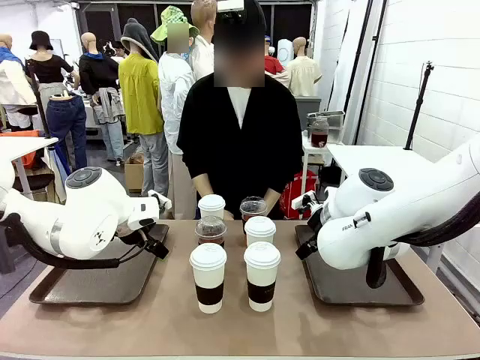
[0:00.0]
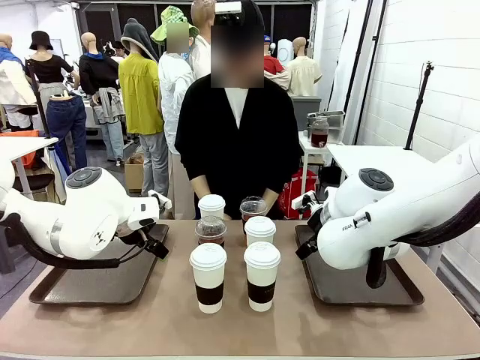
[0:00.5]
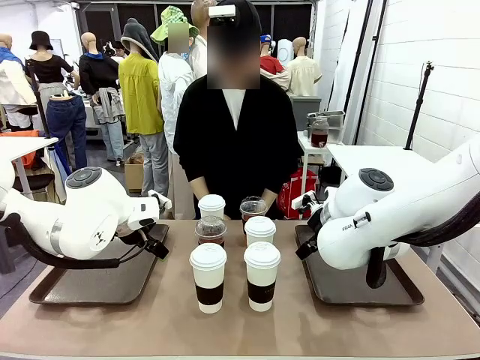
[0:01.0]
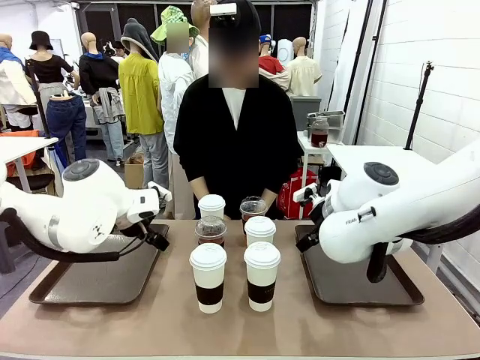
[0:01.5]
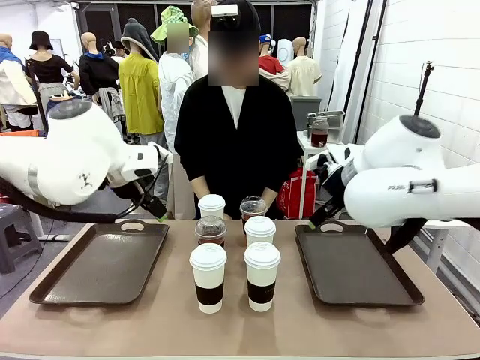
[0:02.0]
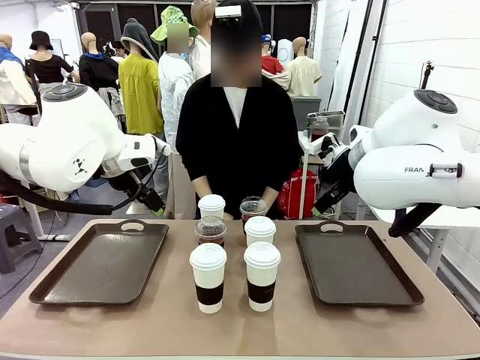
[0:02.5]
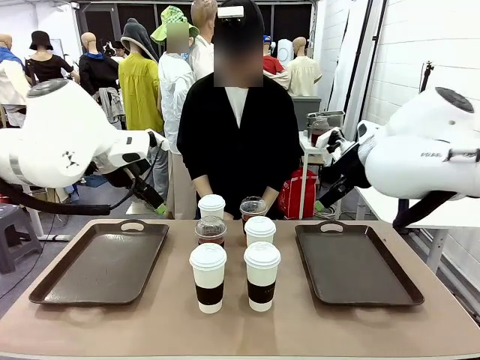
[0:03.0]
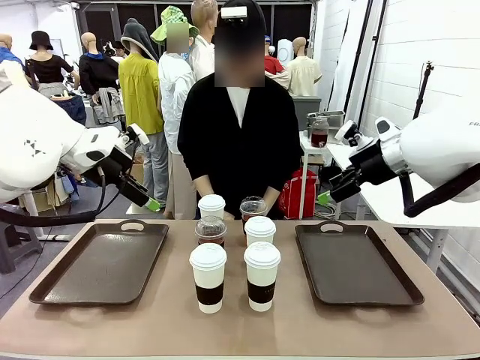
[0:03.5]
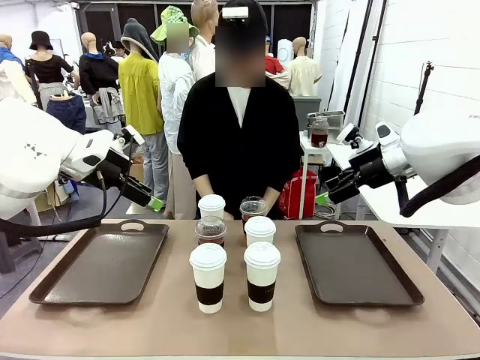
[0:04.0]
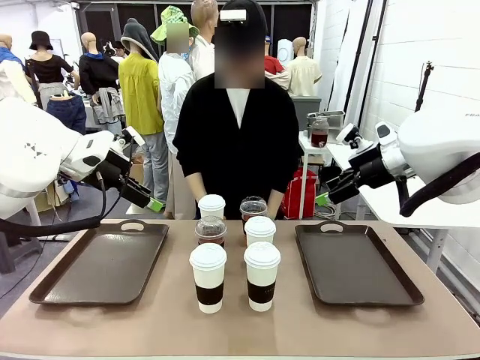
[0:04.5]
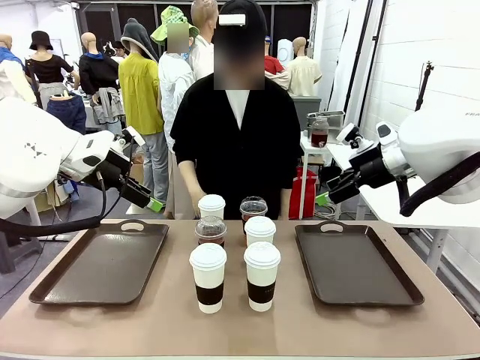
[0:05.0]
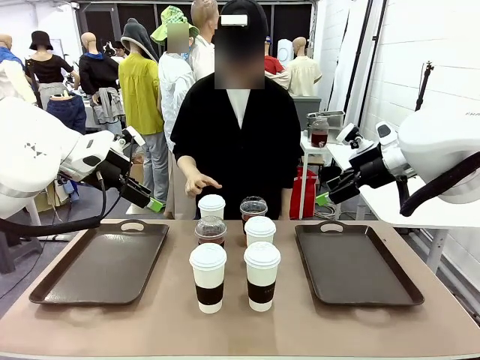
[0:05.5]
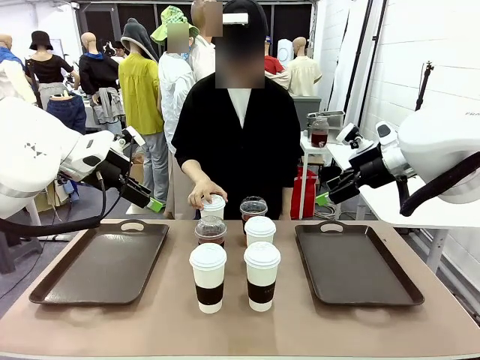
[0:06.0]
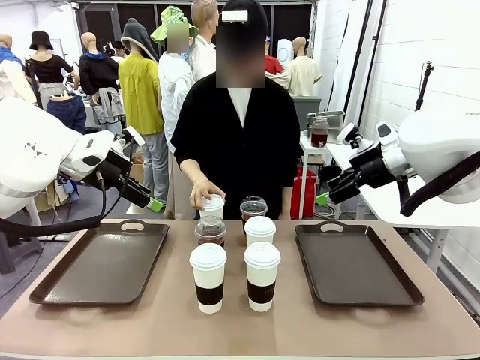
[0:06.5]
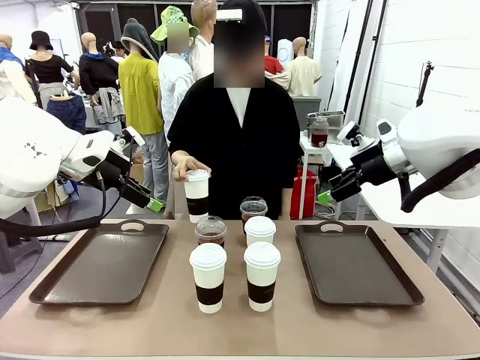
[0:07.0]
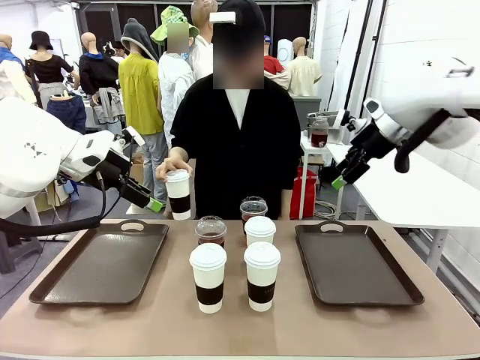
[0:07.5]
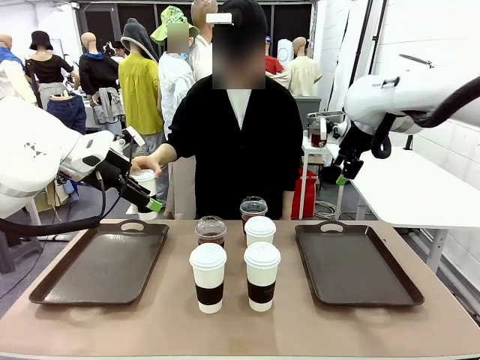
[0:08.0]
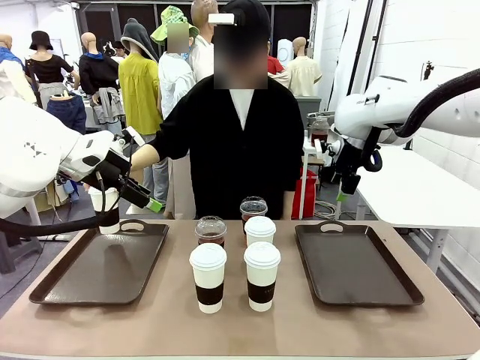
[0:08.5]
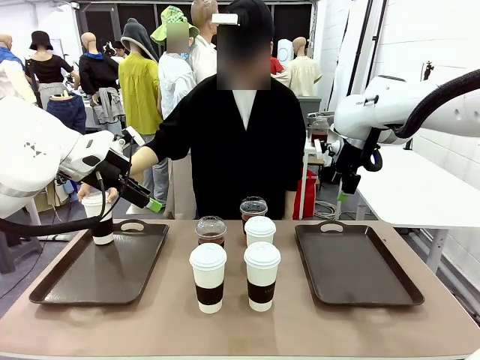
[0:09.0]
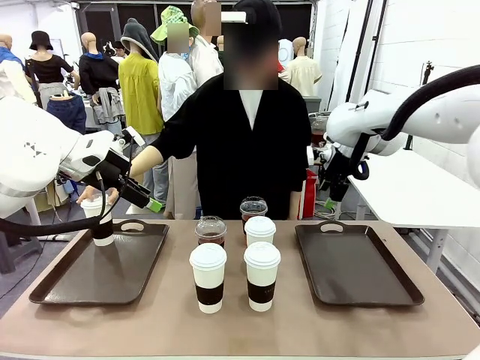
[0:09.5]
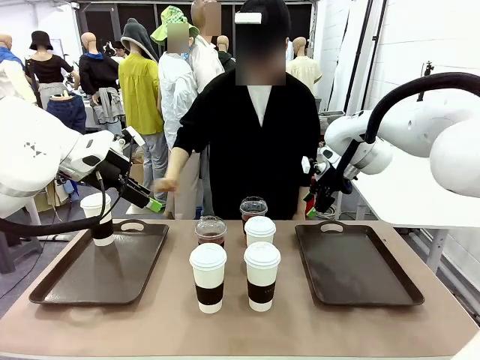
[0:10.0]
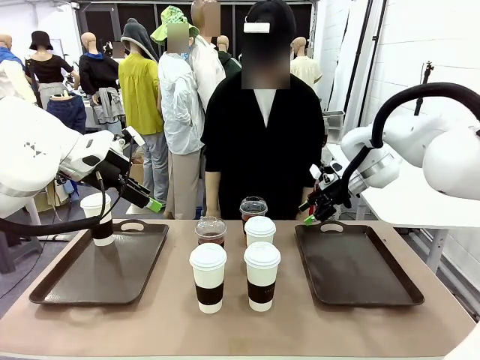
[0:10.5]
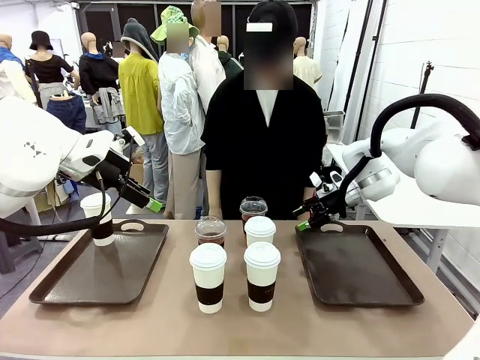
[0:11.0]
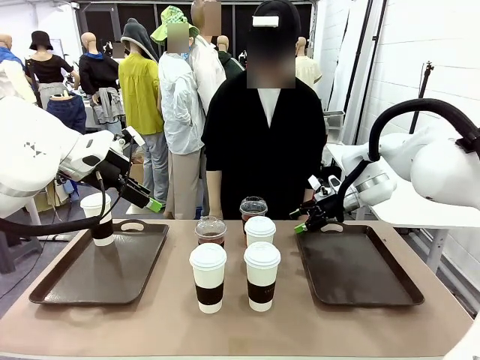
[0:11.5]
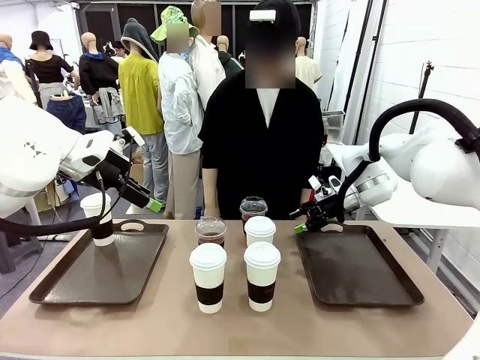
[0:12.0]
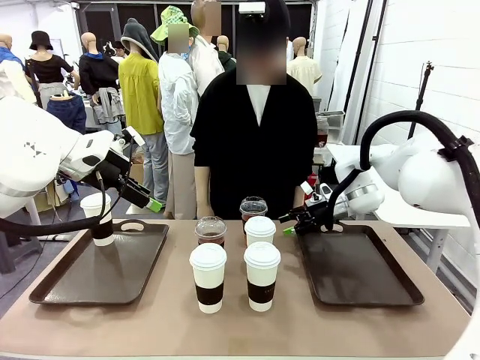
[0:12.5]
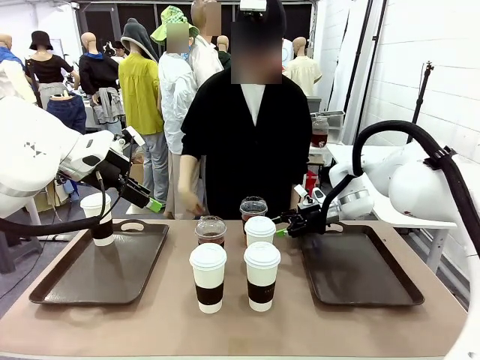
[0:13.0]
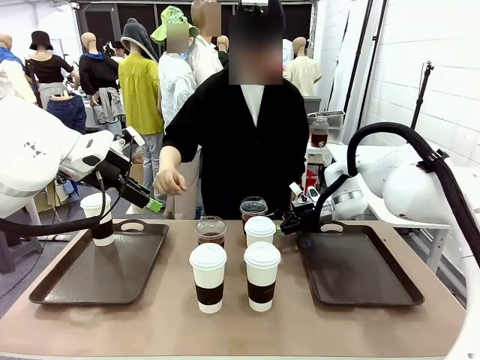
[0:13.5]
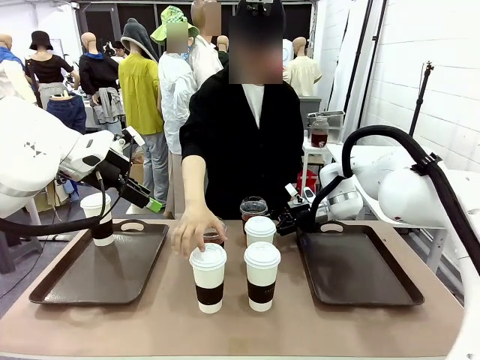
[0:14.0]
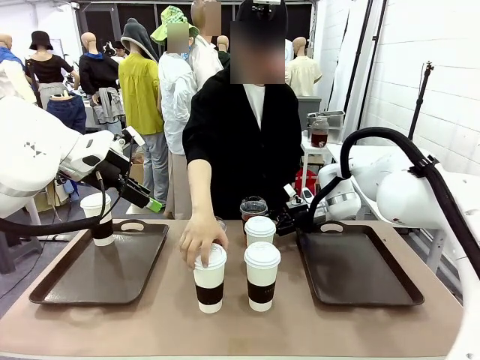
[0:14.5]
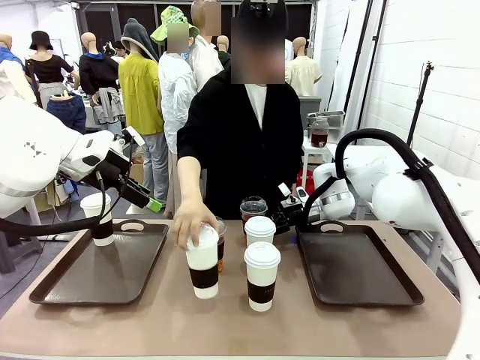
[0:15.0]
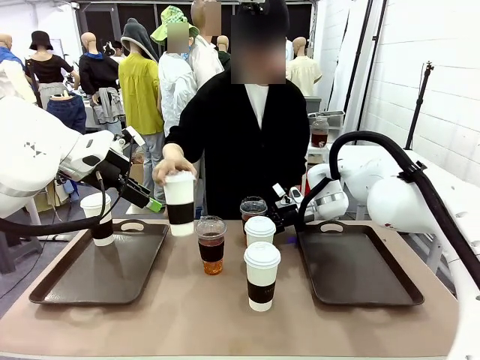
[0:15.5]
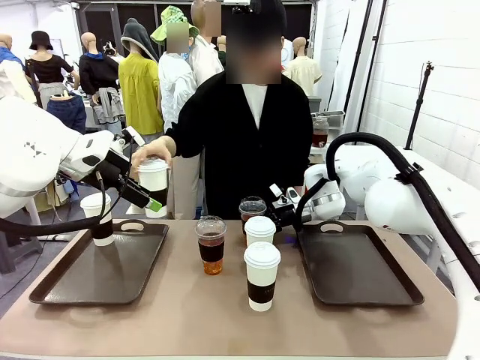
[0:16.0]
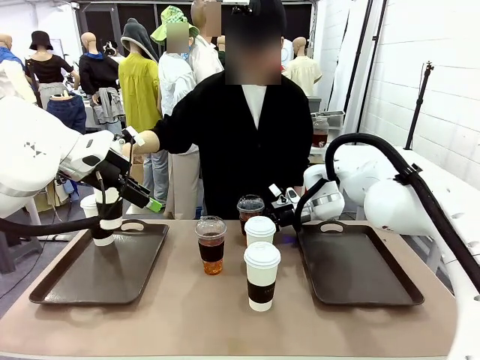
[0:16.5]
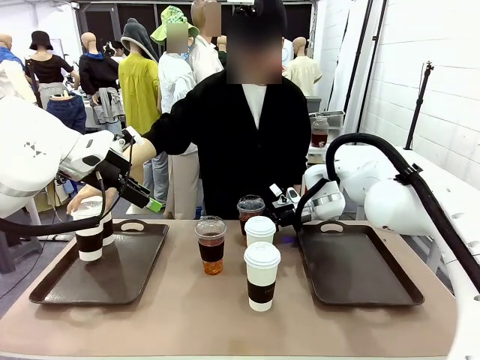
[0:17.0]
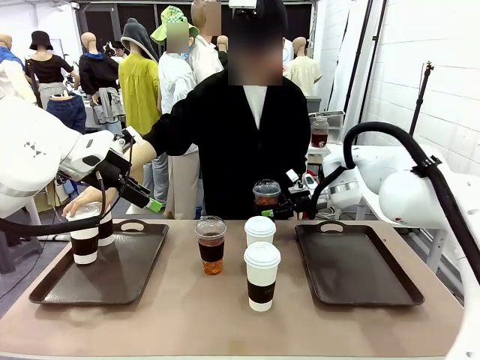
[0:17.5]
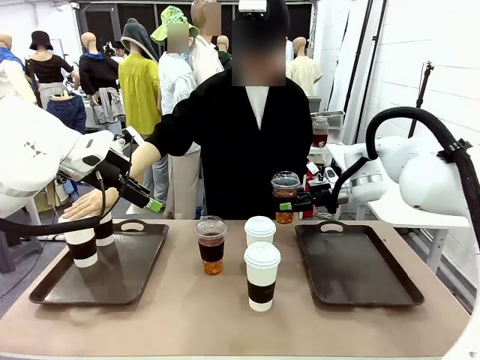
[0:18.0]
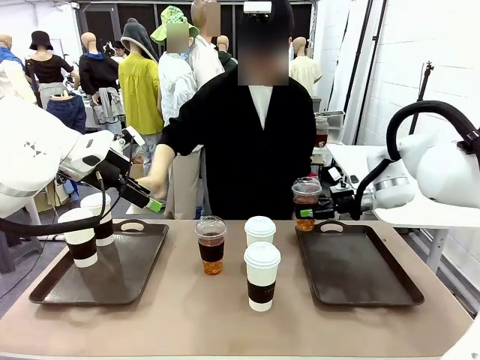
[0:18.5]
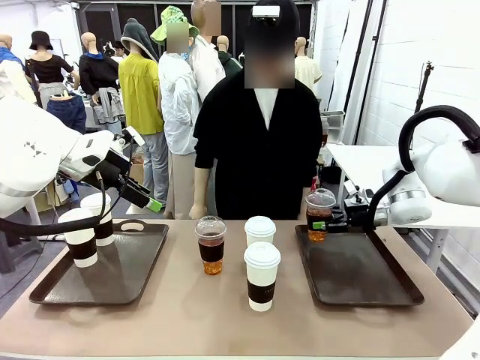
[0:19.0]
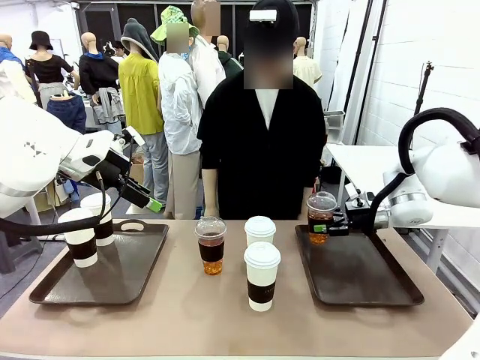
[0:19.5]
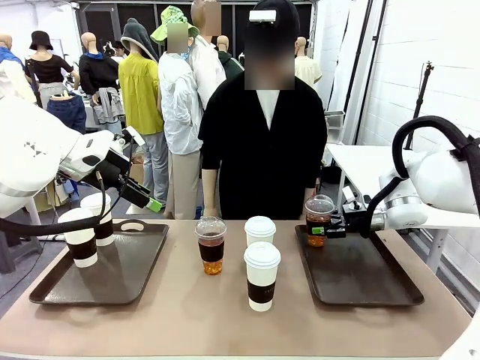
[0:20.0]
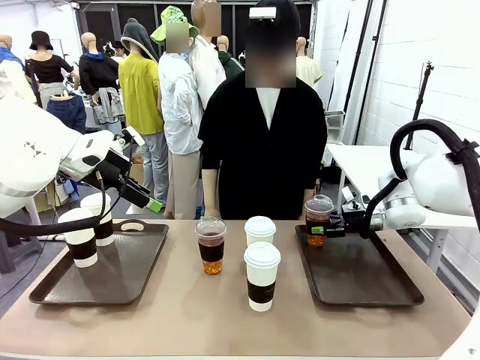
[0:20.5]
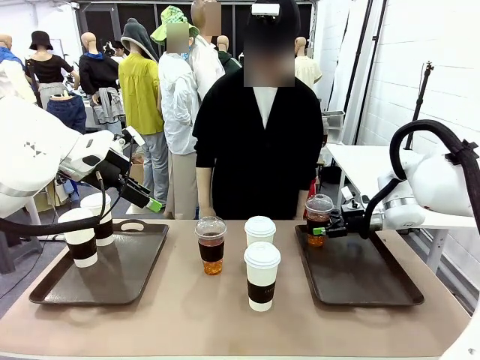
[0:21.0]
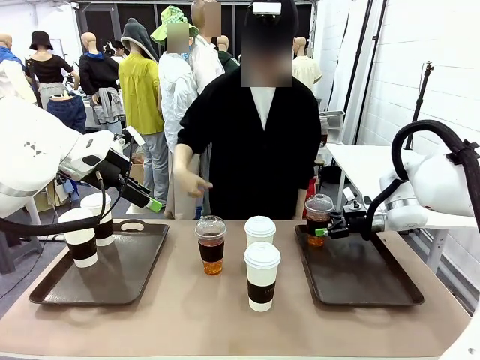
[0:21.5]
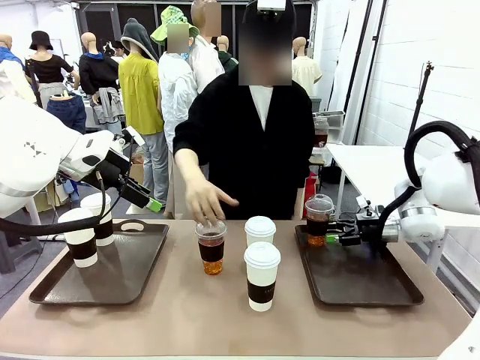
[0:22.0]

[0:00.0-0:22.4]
Task: Distribute the coffee onto the tray.
Robot: Pick up one iced Americano and place it on the right Handle tray.
Person: Pick up a cup of hot Americano and place it on the right tray.
